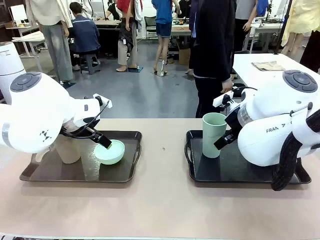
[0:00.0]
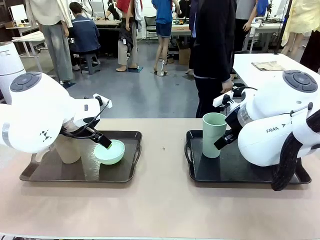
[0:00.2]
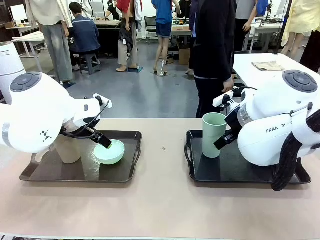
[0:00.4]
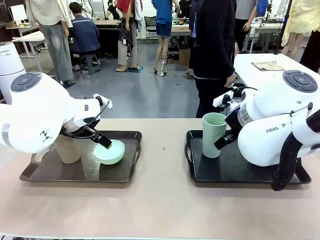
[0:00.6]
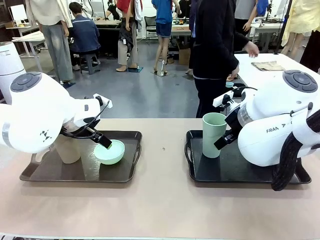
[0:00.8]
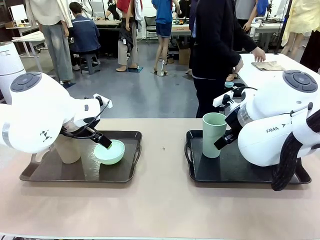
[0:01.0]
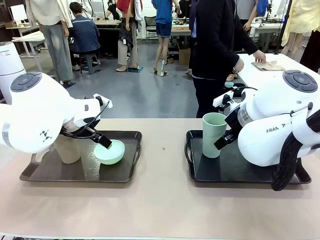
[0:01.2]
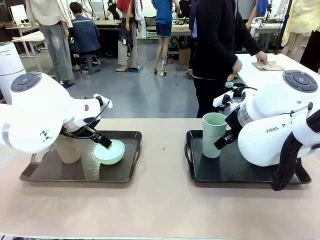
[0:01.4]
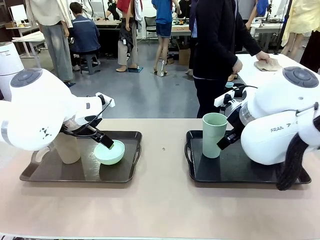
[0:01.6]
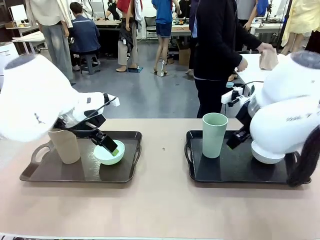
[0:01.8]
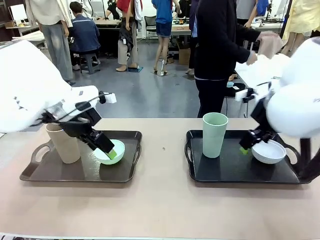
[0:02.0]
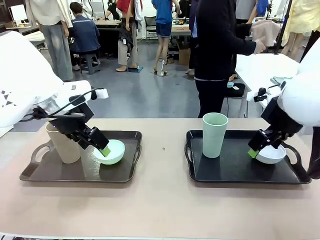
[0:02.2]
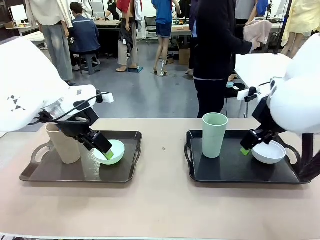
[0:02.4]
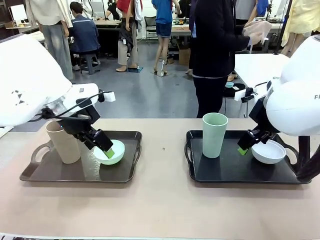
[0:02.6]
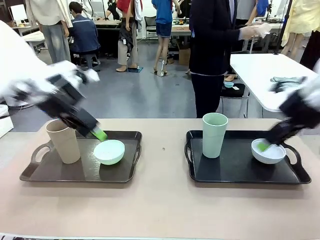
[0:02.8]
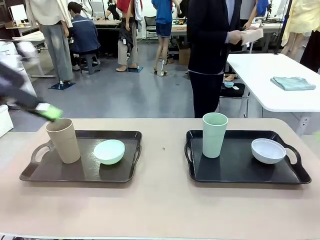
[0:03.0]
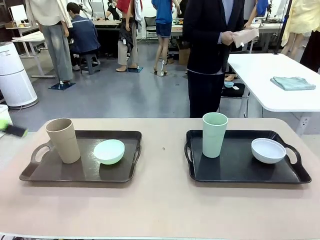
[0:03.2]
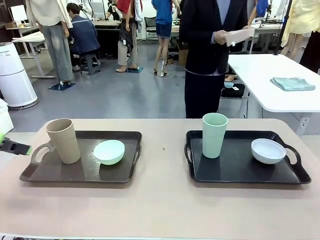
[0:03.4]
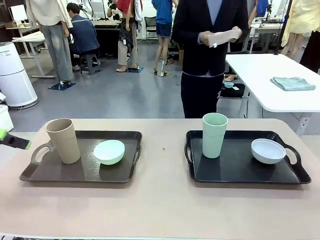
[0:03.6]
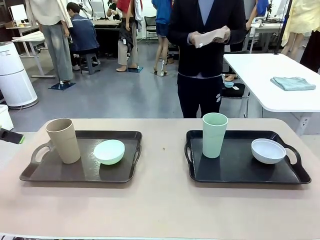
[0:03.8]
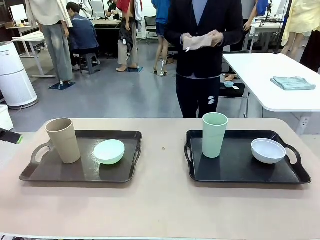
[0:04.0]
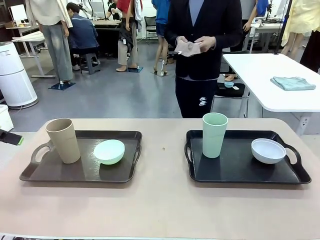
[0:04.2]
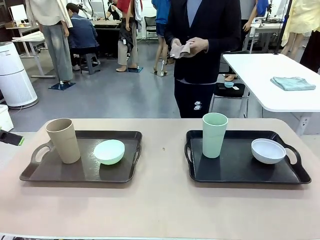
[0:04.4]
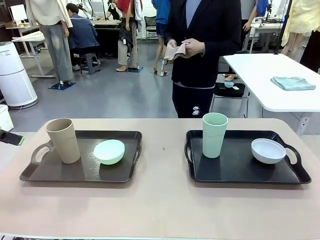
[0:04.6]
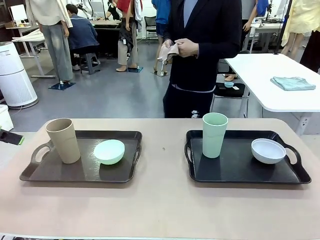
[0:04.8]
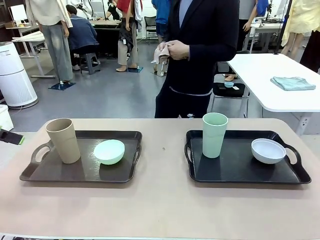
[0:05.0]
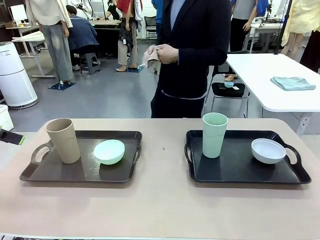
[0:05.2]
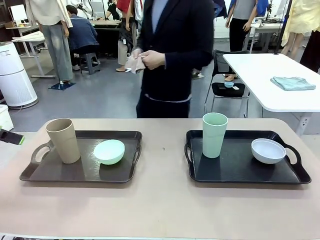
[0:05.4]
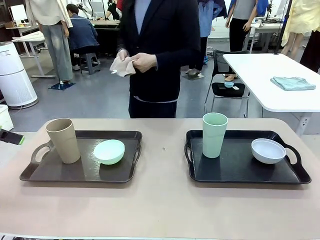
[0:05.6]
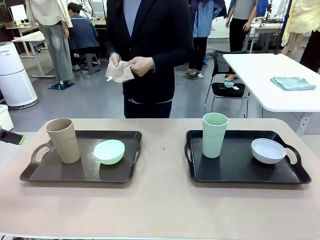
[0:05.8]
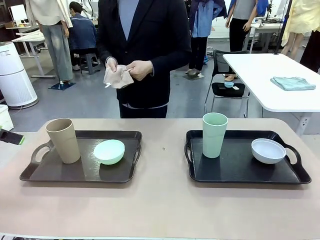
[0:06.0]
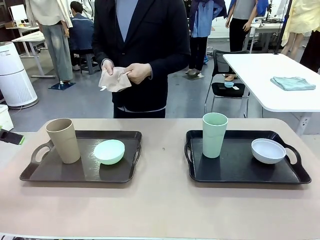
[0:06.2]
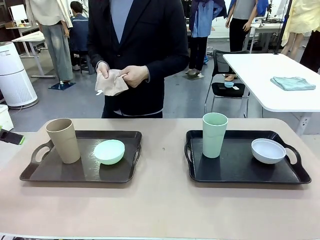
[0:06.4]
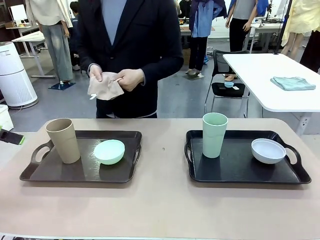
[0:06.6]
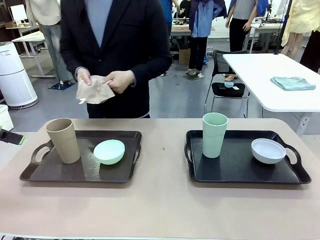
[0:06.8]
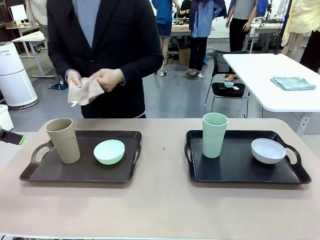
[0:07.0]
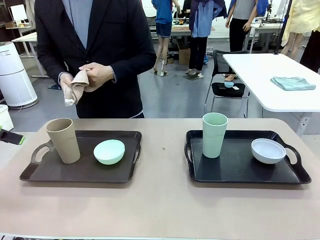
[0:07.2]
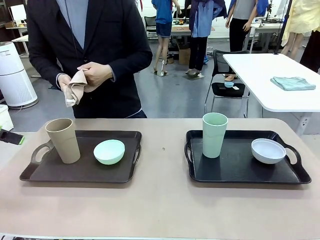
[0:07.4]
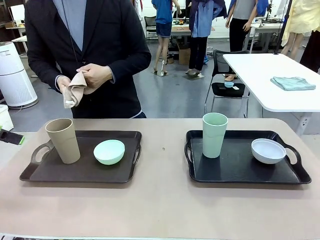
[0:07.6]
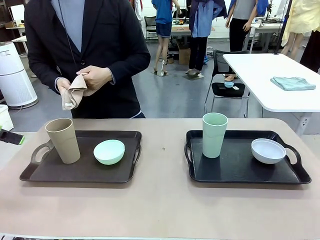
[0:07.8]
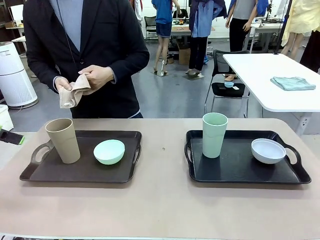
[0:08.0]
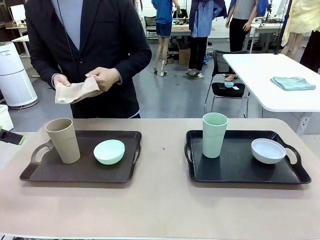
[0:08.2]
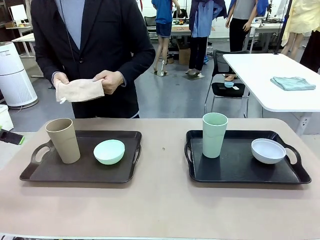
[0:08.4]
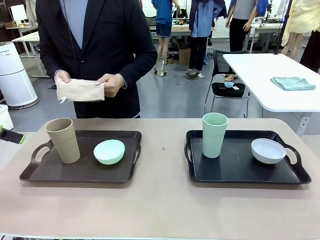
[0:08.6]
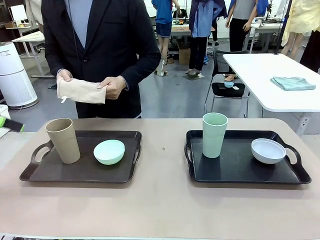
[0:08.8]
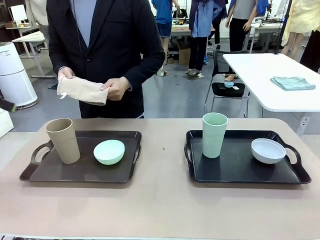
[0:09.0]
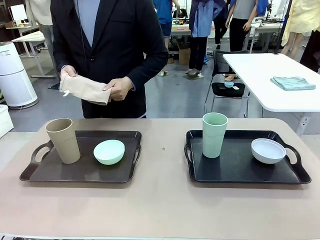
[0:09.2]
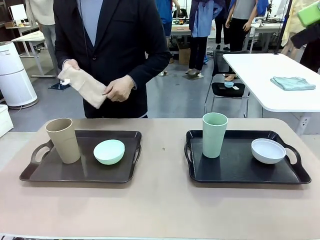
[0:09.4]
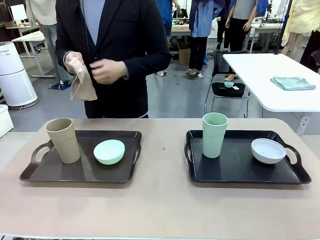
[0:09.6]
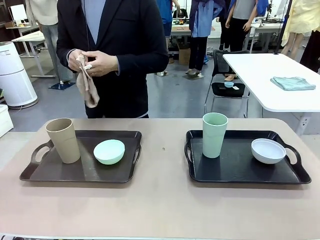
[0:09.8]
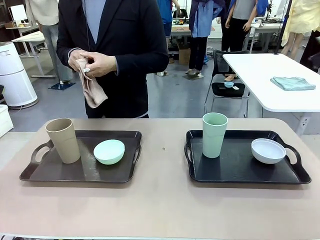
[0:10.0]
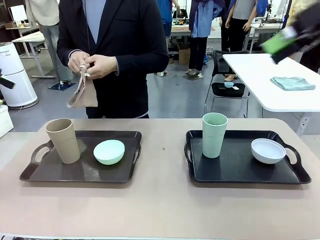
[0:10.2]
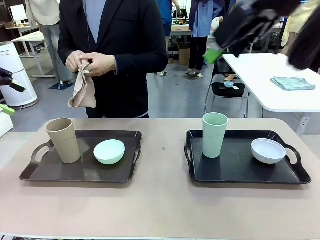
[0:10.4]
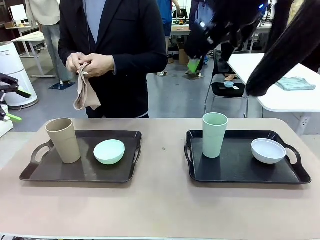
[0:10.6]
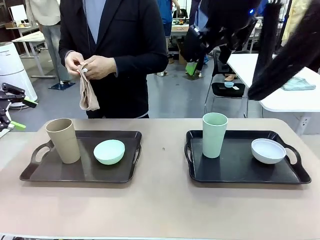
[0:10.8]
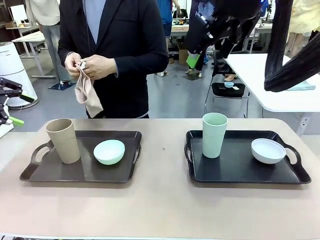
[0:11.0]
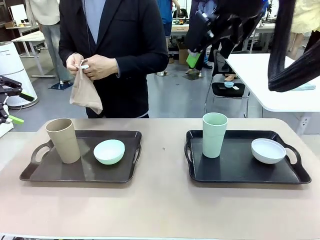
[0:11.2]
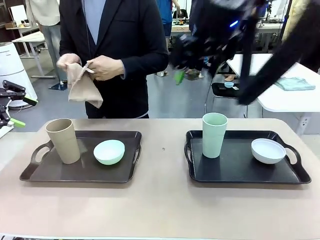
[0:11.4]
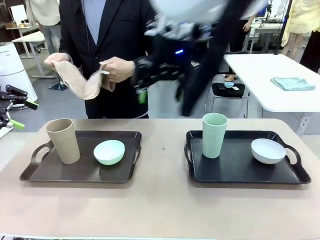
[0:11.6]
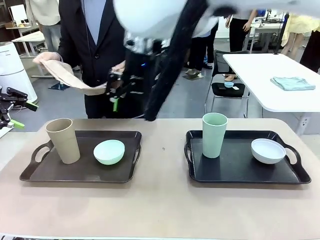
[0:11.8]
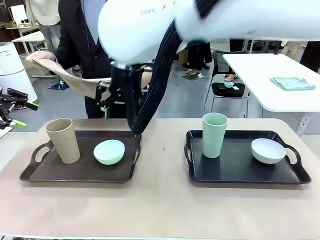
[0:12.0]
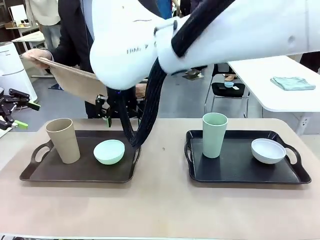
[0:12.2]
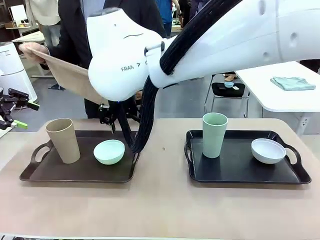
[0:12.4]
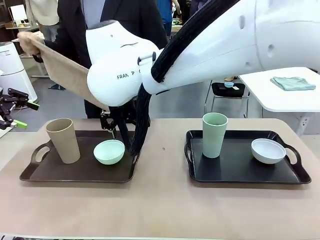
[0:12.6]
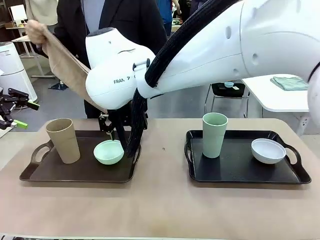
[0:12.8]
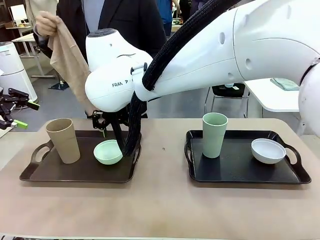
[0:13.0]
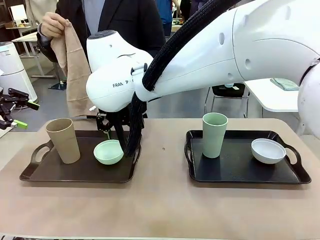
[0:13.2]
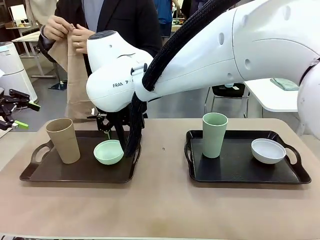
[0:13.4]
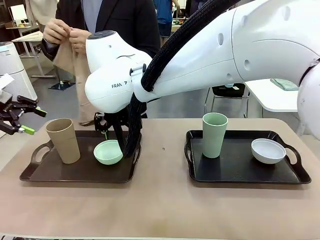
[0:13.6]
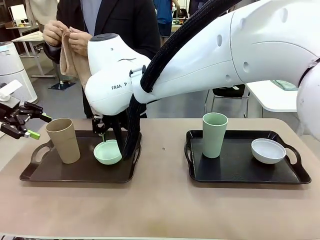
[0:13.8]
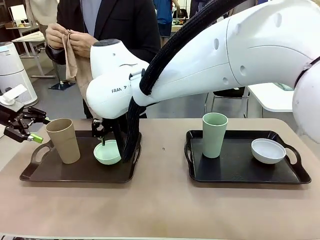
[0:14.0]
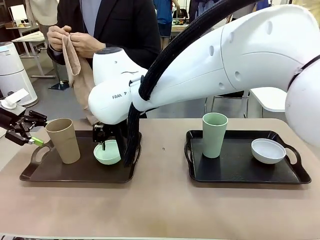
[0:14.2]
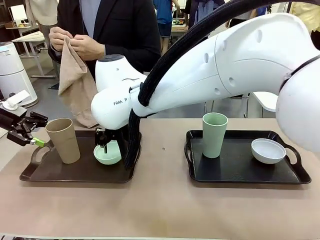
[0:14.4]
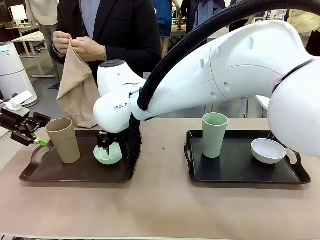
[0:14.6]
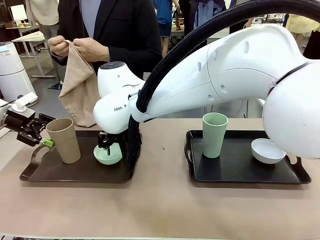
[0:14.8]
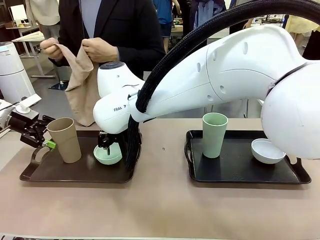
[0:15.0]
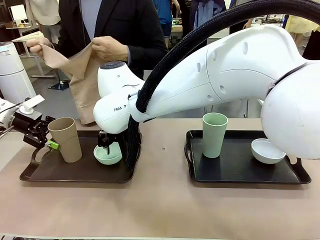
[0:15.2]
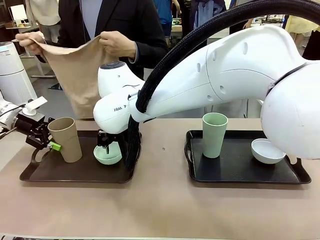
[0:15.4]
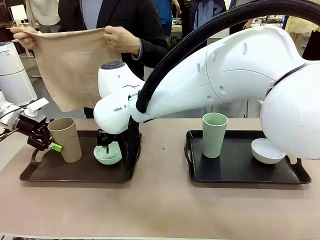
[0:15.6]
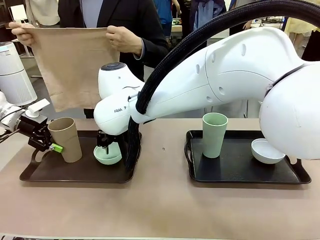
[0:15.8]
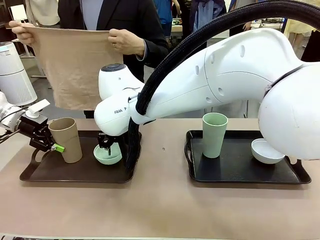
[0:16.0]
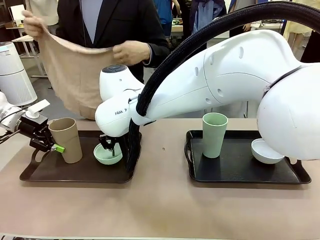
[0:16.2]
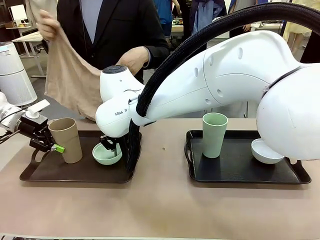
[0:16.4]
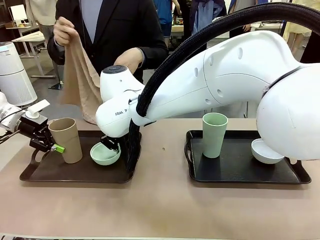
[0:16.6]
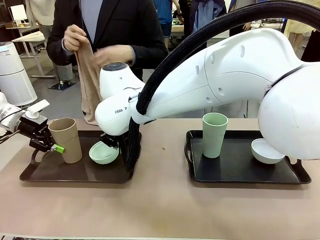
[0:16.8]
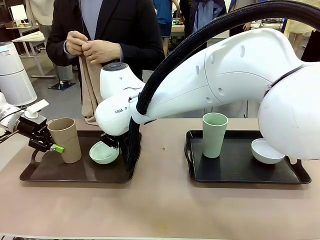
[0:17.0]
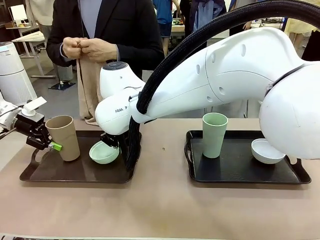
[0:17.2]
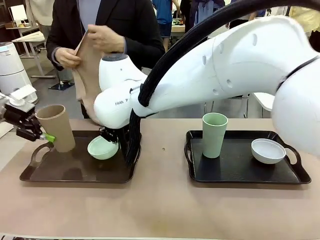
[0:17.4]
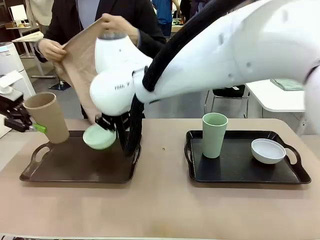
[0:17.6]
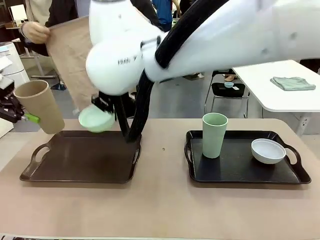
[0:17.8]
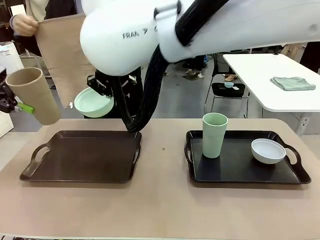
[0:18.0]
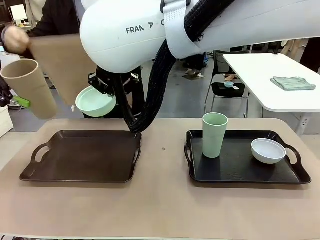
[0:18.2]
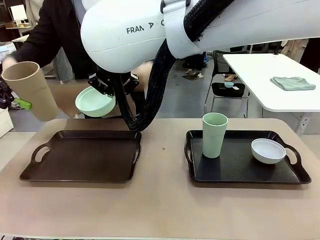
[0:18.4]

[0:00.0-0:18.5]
Robot: Pick up the Picnic Bowl and Reusable plastic cup from the Handle tray in front of the human's position and hold them in the air.
Person: The human picks up the top napkin from the stack on the human table and walks to the robot table to stand in front of one of the two trays. When the robot lifts the bowl and the cup, the human unfolds the napkin and lays the napkin flat on the tray.
